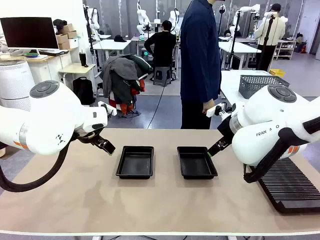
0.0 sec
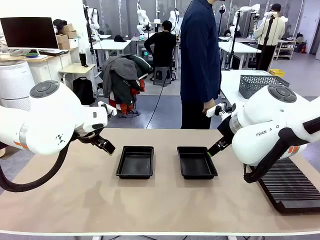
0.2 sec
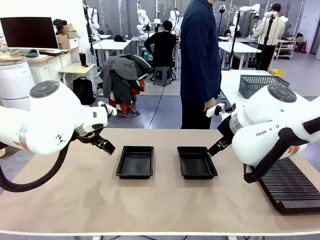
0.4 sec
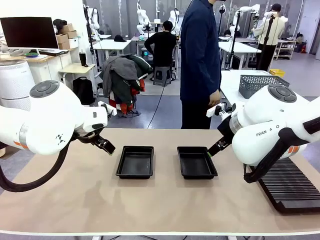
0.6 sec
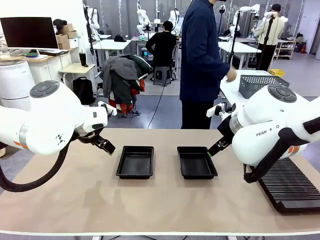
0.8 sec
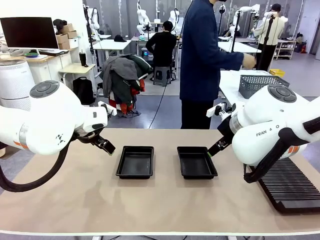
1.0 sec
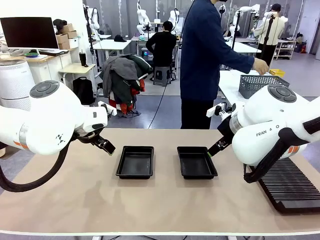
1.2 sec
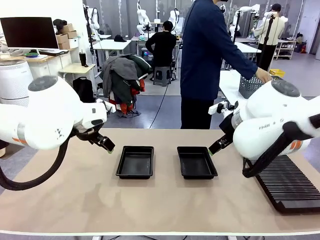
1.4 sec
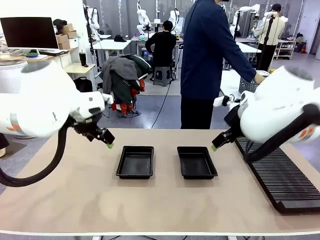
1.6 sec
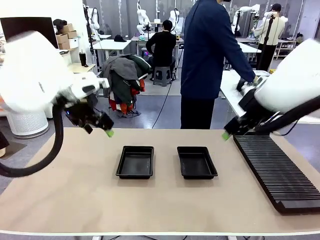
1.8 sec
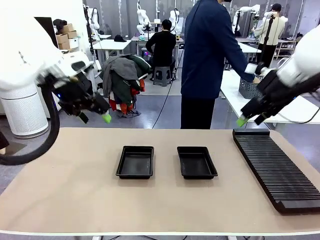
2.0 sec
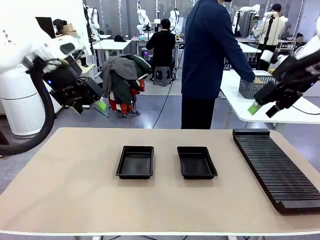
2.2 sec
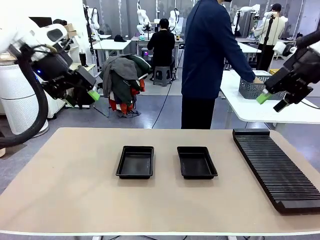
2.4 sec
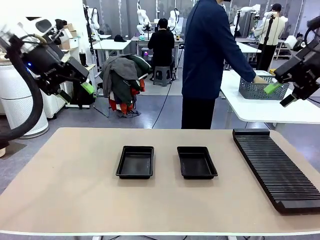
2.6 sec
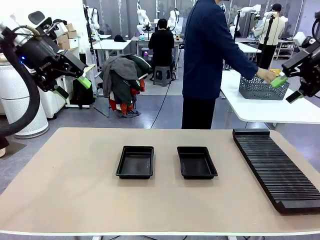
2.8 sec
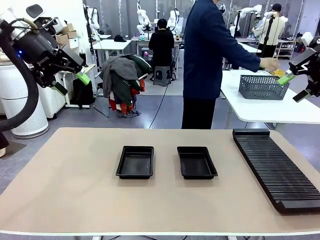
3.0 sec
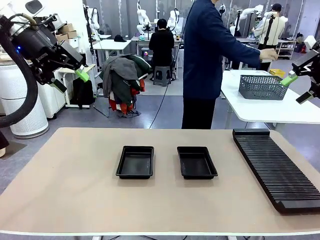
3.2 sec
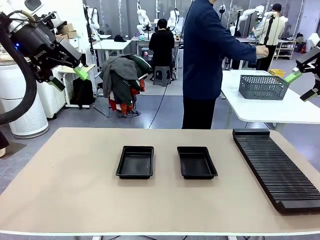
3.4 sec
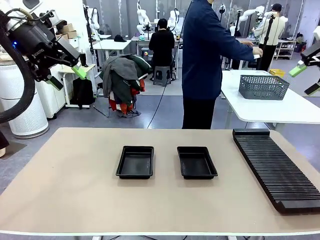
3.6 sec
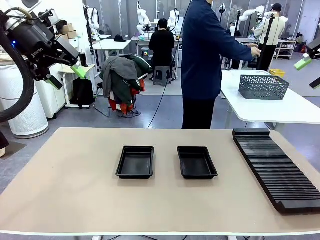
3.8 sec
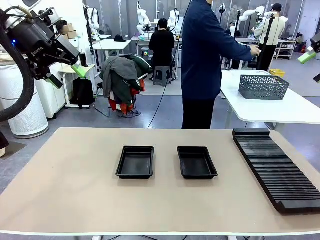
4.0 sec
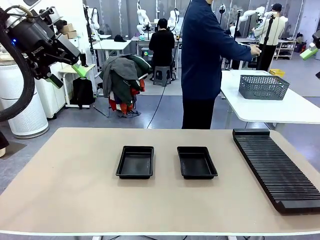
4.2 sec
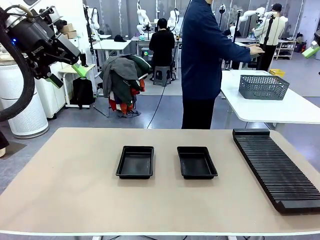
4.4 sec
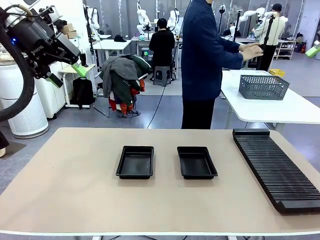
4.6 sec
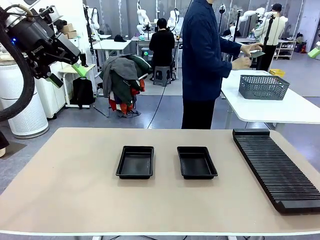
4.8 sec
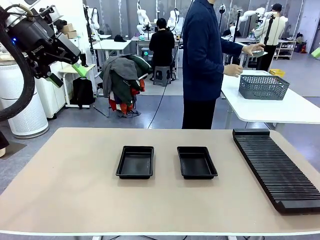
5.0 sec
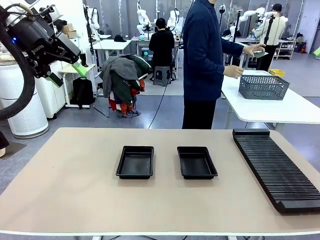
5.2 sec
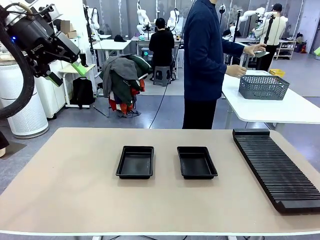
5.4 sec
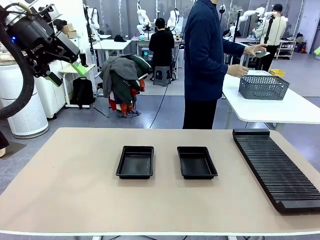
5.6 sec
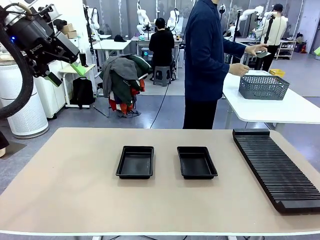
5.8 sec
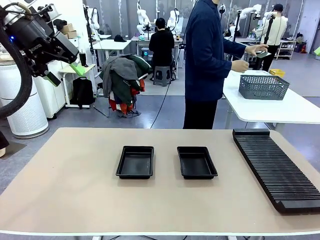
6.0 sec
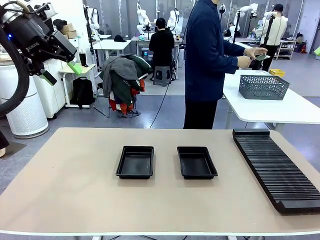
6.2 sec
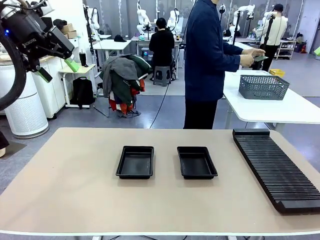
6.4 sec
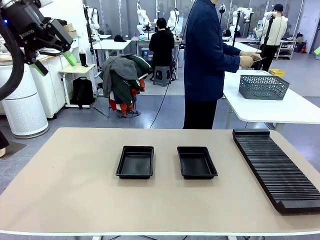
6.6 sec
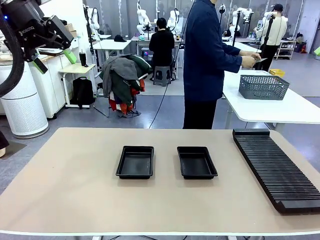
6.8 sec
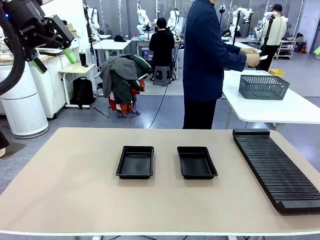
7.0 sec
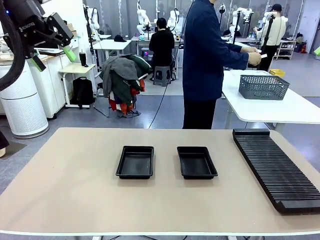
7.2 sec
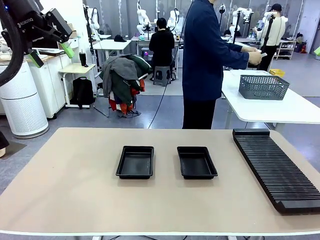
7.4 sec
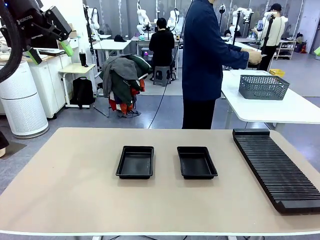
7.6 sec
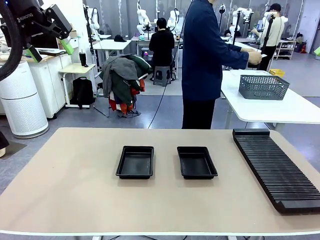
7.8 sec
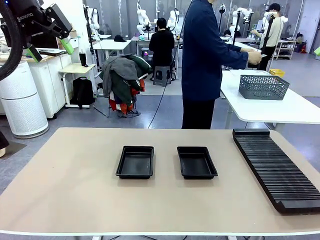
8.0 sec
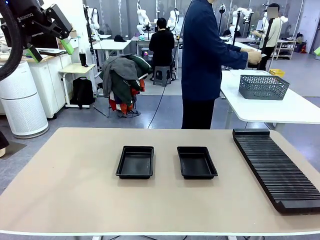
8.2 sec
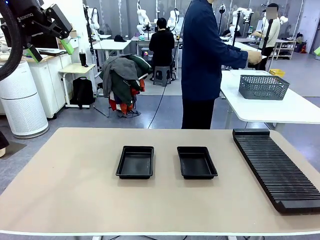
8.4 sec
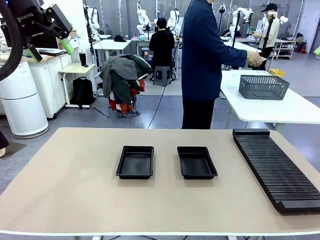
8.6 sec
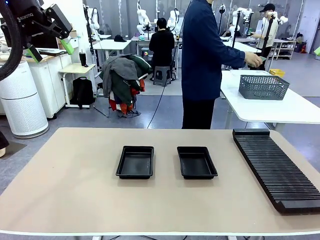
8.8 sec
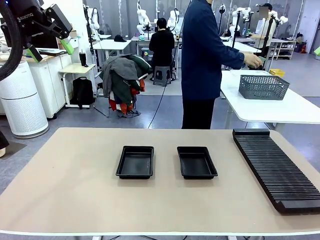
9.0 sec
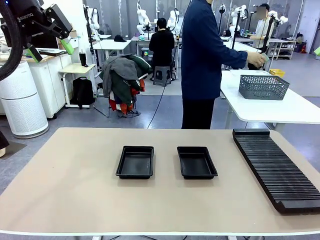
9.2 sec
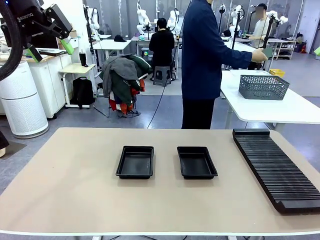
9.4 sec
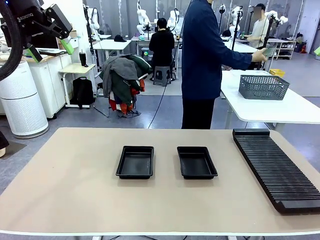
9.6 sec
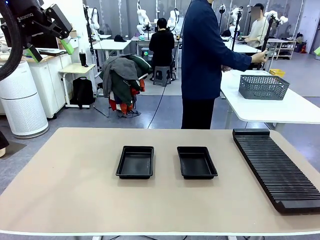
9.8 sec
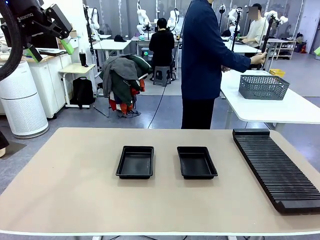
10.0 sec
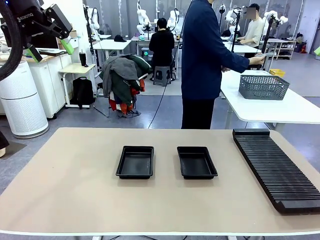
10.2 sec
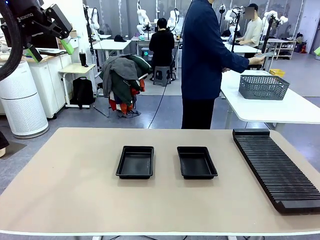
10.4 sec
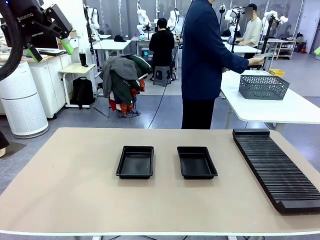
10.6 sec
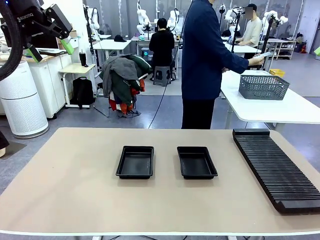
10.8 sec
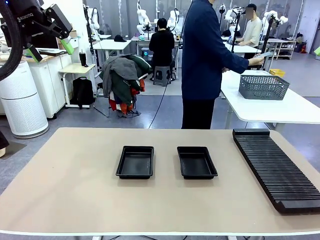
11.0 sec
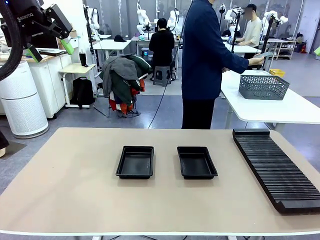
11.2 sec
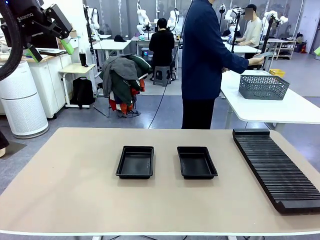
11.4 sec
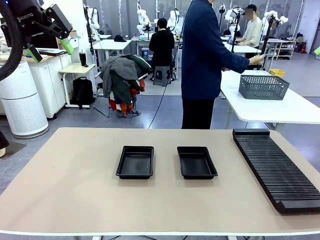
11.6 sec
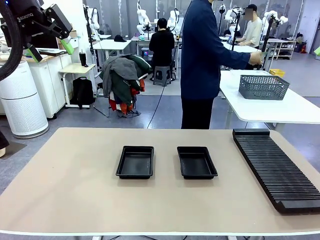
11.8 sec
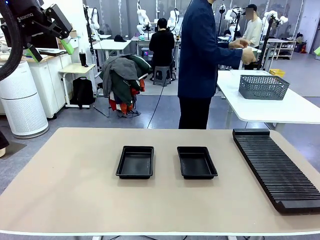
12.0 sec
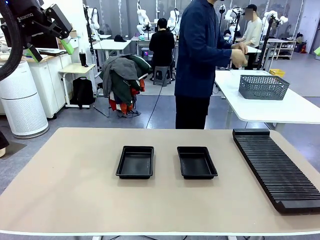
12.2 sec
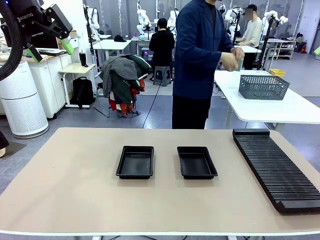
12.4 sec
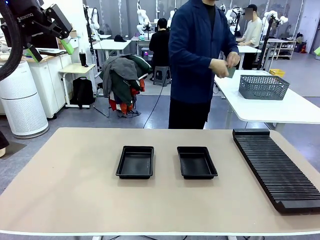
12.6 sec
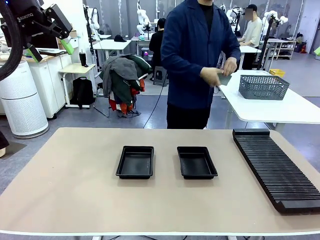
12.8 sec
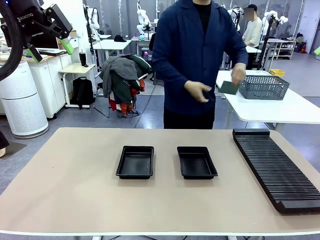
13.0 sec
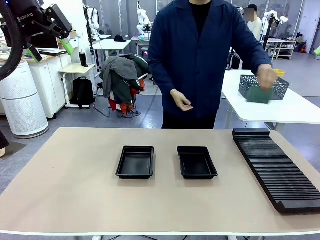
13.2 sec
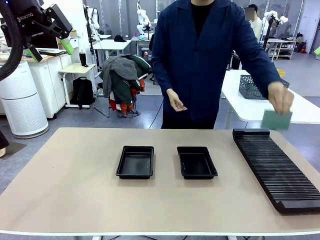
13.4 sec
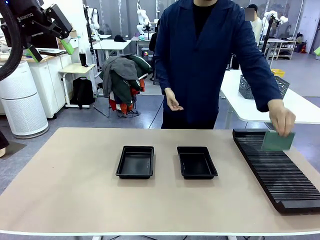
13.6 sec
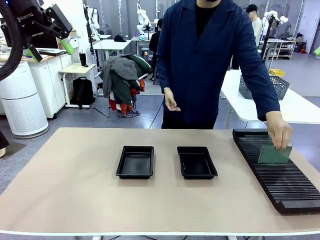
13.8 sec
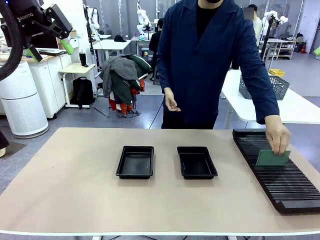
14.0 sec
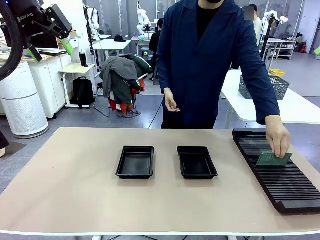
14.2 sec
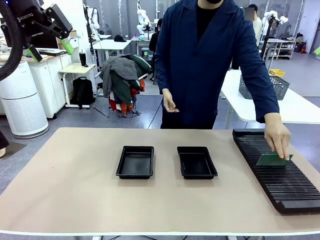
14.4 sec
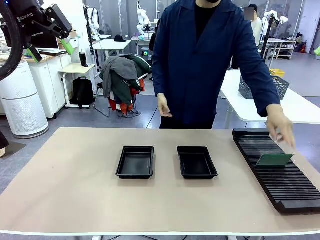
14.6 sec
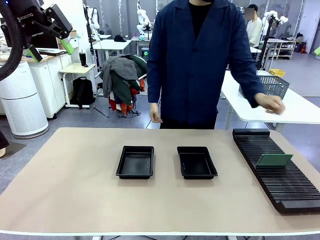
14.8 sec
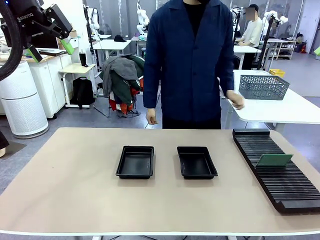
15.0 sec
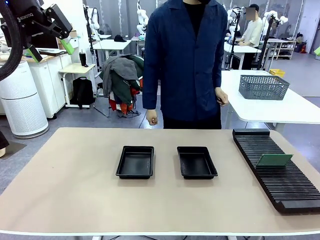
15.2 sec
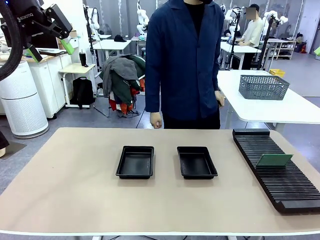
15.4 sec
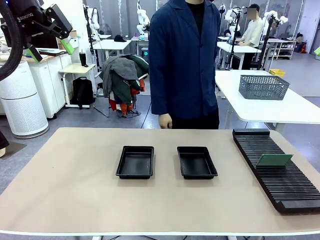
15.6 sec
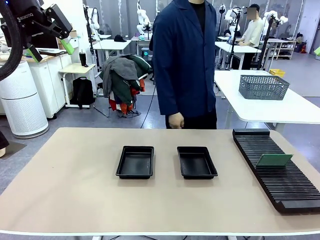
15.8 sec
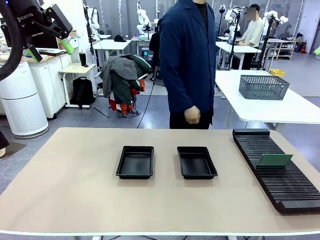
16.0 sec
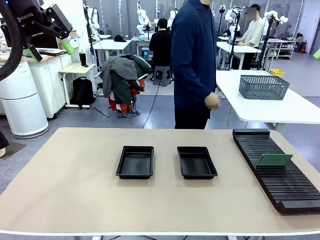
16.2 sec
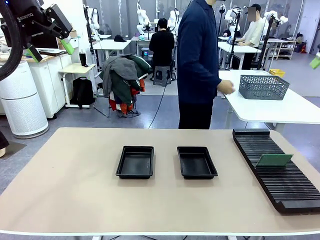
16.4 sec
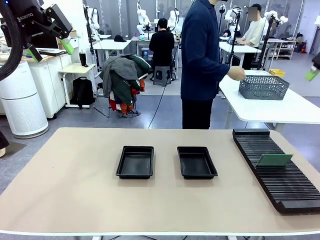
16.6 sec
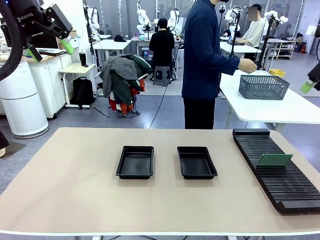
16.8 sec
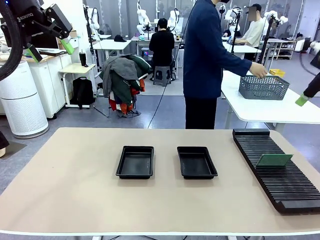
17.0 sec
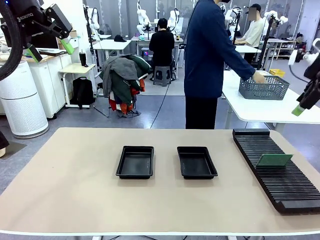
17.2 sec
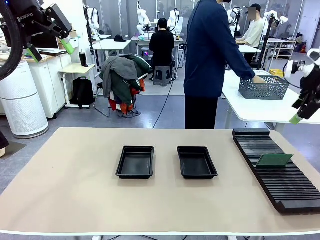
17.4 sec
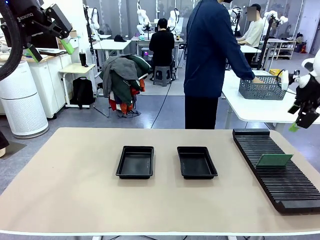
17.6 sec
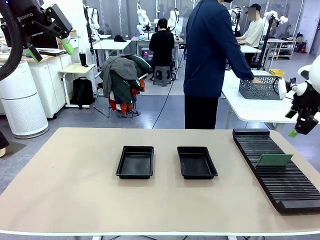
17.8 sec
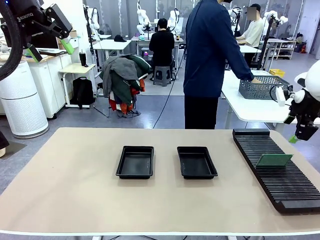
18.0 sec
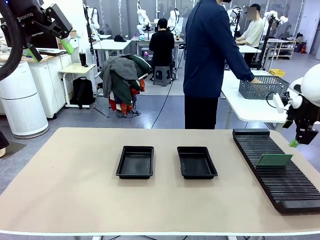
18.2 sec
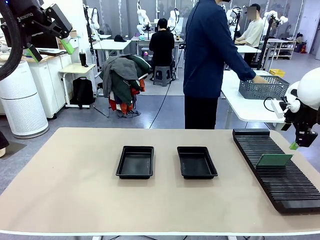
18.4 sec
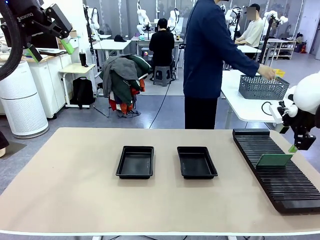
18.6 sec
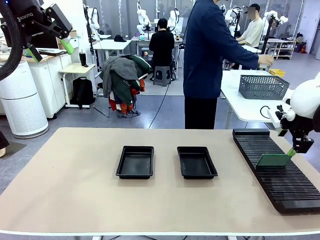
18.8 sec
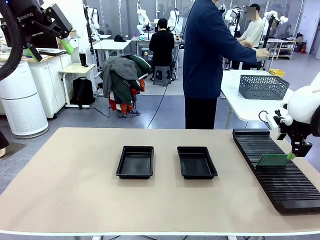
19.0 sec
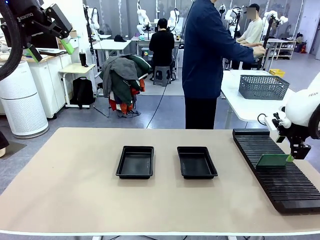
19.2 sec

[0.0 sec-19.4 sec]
Task: Inspect and transfer BCBs to ESD trays.
Robot: Pick up the Blank PCB from the PCB Rack and place it in the left ESD tray.
